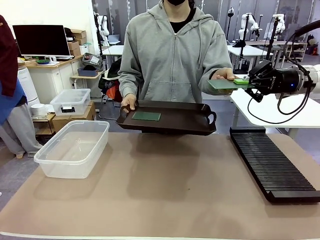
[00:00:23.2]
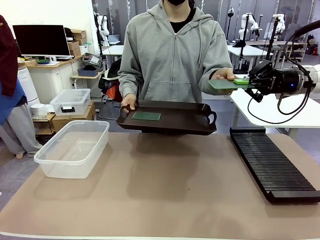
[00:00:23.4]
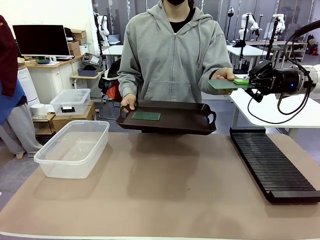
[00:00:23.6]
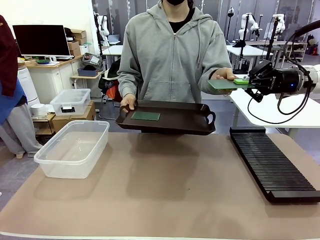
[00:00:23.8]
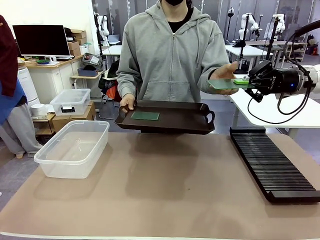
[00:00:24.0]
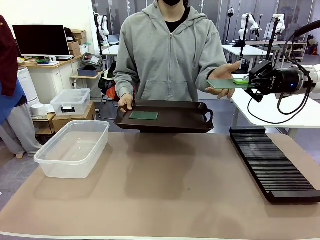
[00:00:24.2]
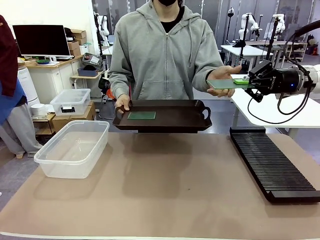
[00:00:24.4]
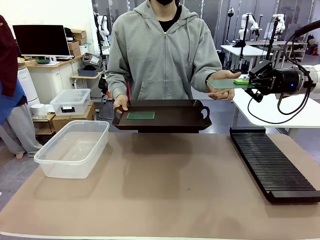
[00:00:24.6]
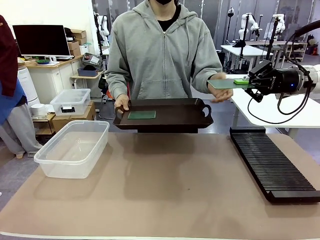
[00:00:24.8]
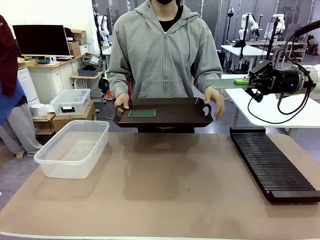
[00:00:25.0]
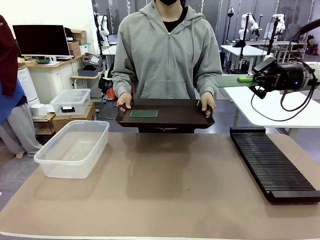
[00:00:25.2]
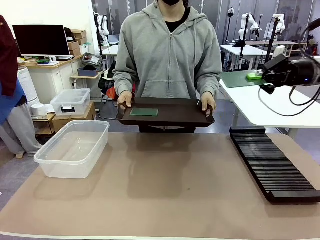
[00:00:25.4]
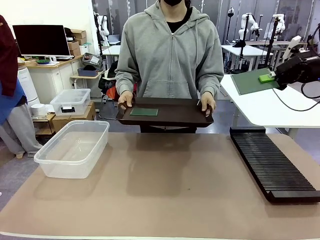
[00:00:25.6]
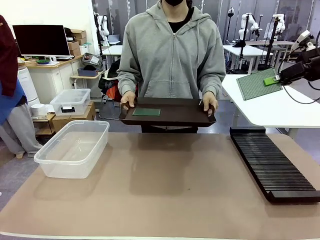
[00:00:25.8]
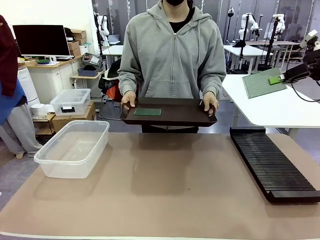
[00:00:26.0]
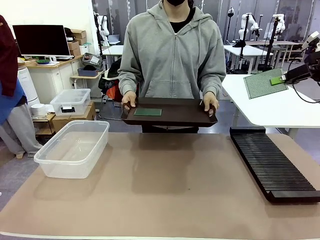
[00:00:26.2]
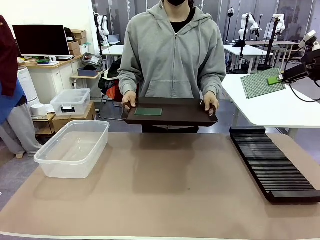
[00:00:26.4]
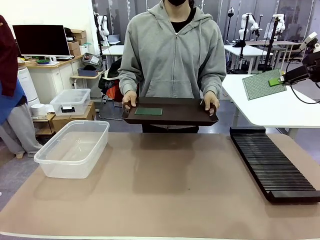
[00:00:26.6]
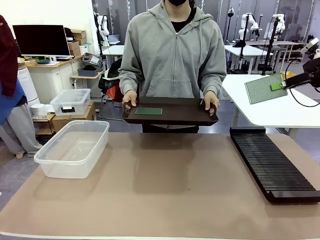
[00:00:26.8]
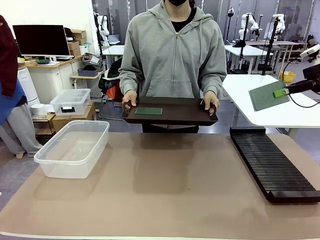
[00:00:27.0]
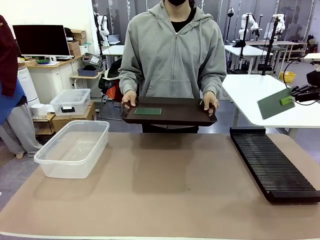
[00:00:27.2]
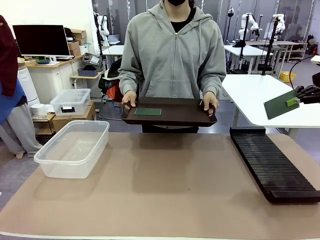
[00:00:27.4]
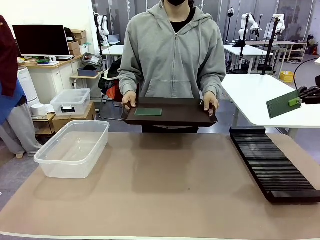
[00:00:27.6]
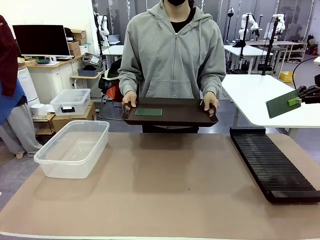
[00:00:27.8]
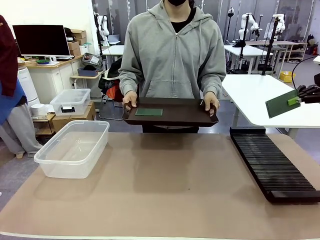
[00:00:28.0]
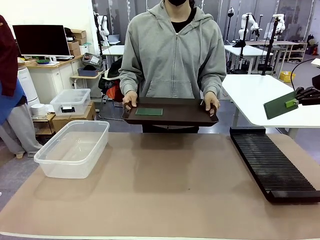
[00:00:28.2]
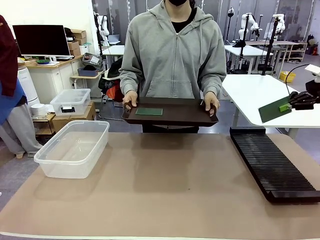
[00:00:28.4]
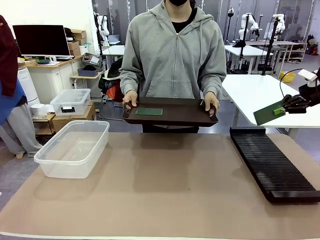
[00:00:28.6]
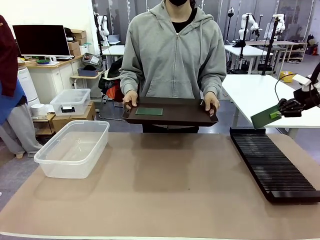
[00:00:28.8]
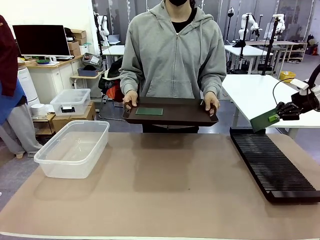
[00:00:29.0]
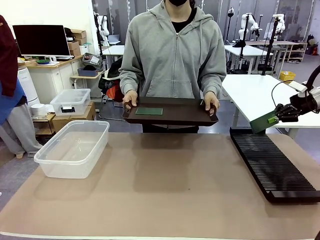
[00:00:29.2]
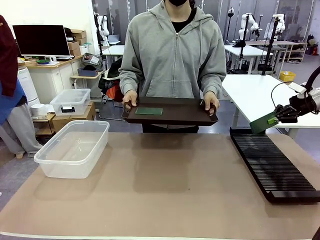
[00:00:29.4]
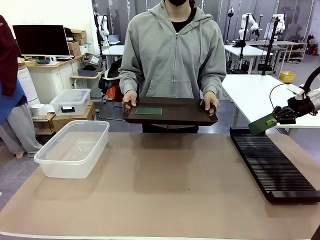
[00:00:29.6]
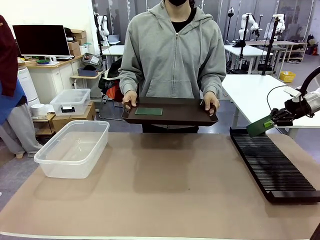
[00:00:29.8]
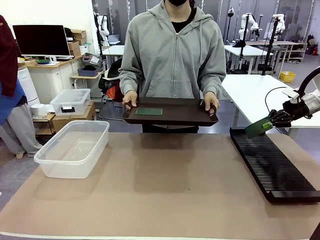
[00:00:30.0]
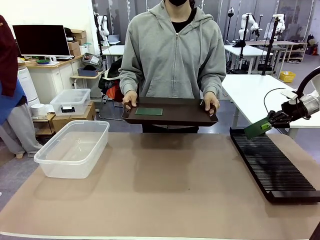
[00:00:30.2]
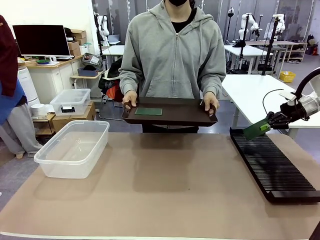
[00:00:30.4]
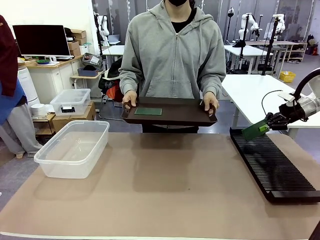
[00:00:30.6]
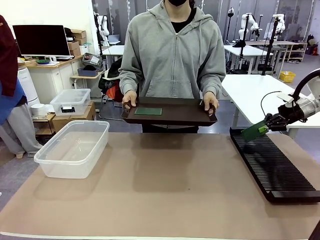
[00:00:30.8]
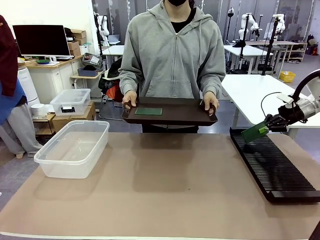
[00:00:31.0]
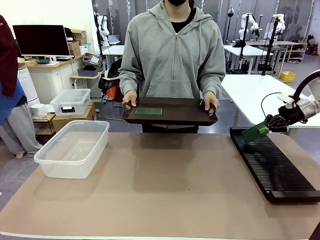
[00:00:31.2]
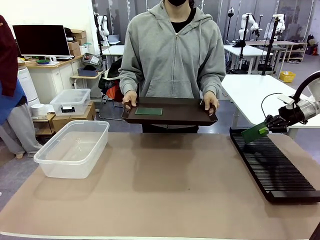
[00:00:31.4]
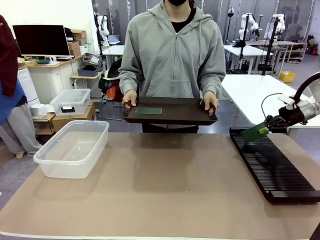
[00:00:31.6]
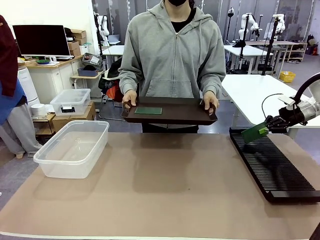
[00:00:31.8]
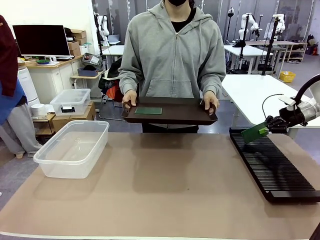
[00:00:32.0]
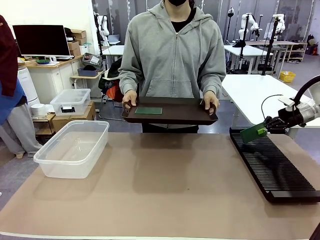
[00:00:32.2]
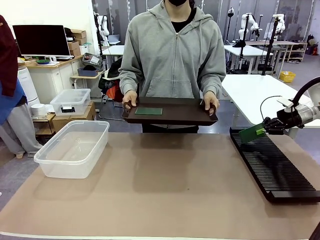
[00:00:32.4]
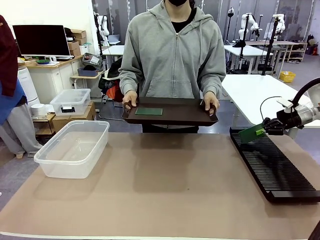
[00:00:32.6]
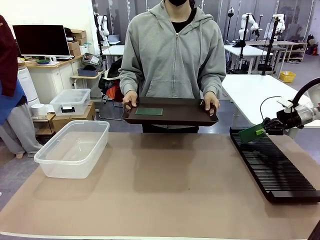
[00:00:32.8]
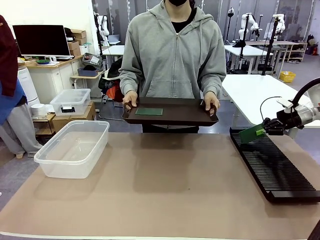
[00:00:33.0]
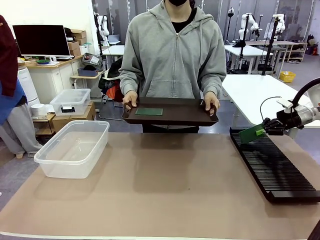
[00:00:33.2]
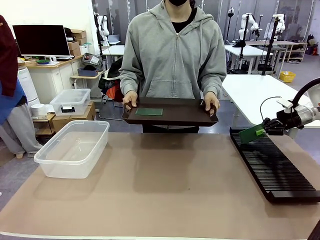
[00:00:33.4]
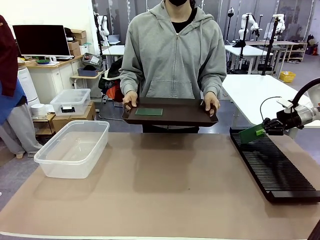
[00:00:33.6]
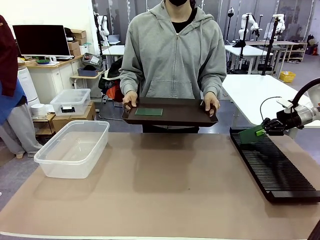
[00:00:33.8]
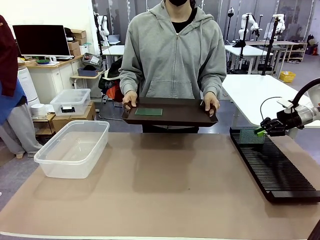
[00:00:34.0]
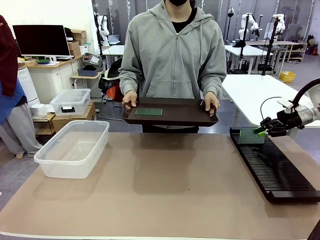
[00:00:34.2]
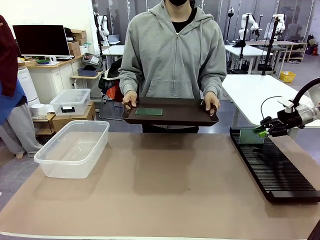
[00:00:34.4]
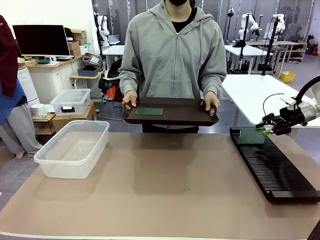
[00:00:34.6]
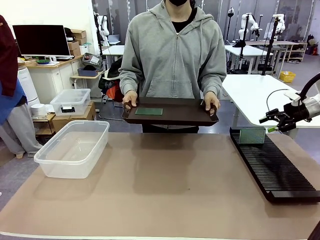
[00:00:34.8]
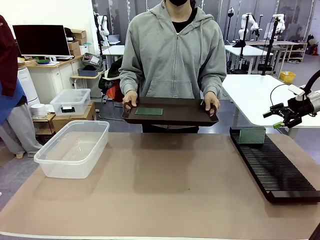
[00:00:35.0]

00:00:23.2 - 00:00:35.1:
Task: Sort PCBs into racks and boxes based on the side picked up.
Robot: If the short side of the Blank PCB is picked up, insert it into the PCB Rack ; if the long side is picked up, place it in the Organizing box.
Person: Pick one PCB from the tray and present it to the robot.

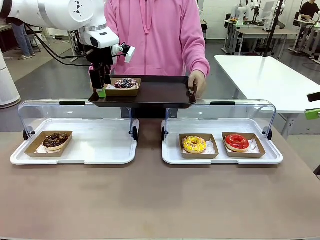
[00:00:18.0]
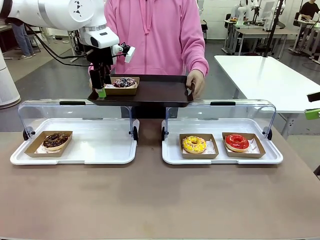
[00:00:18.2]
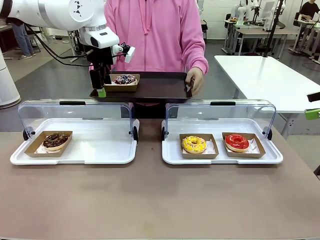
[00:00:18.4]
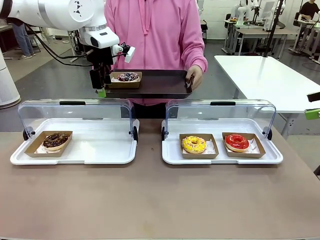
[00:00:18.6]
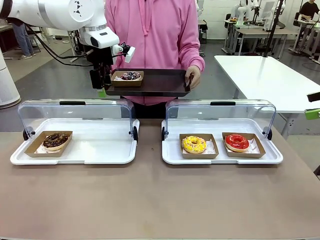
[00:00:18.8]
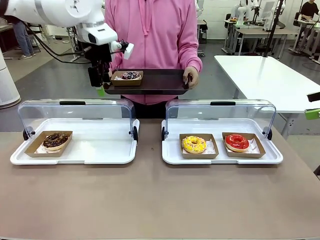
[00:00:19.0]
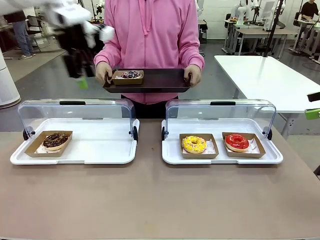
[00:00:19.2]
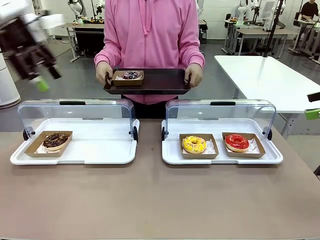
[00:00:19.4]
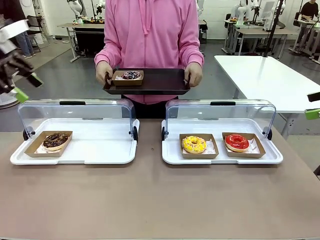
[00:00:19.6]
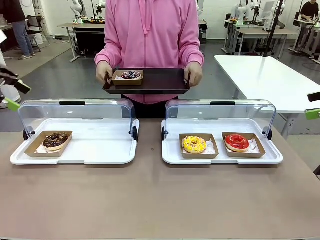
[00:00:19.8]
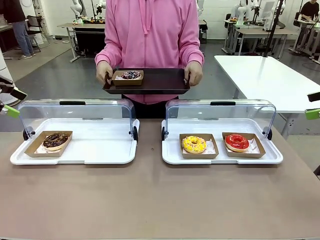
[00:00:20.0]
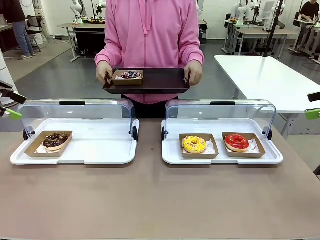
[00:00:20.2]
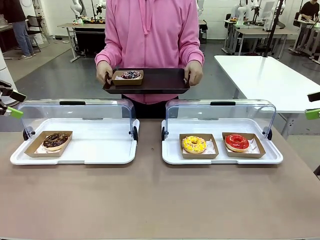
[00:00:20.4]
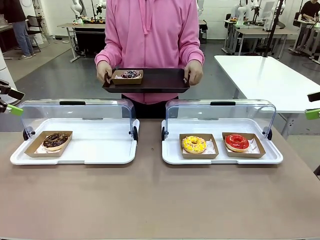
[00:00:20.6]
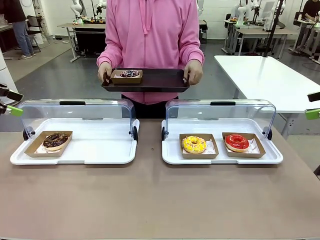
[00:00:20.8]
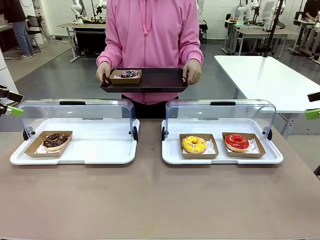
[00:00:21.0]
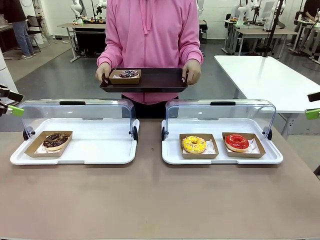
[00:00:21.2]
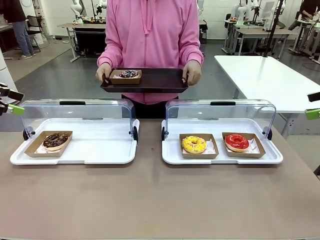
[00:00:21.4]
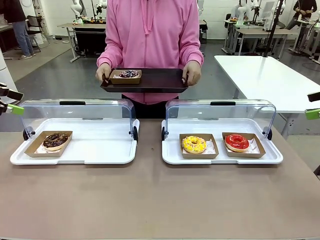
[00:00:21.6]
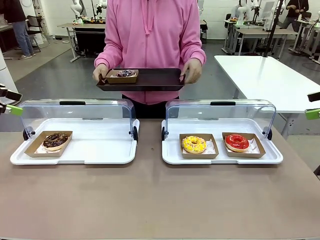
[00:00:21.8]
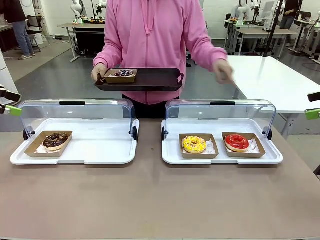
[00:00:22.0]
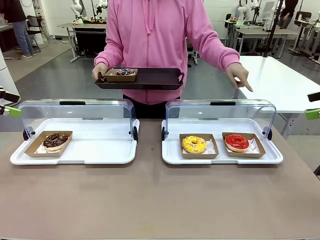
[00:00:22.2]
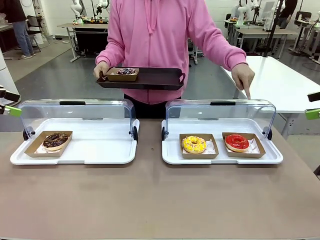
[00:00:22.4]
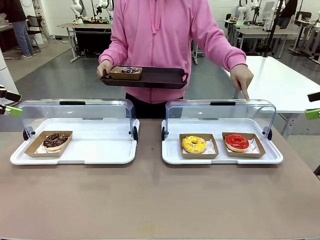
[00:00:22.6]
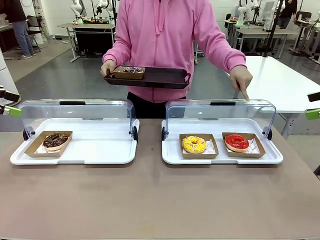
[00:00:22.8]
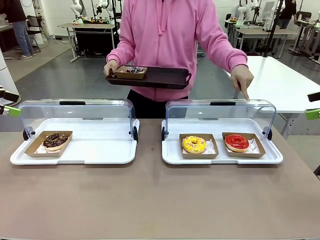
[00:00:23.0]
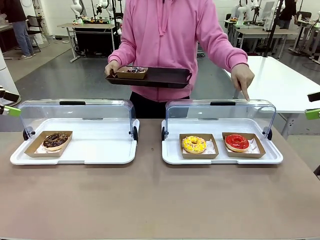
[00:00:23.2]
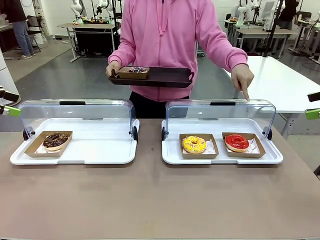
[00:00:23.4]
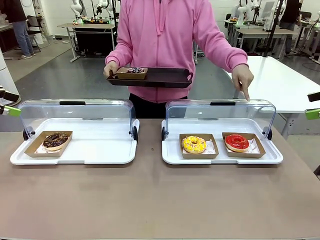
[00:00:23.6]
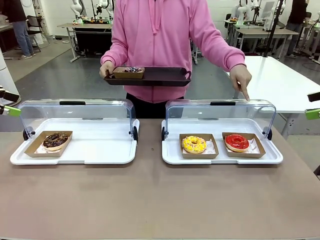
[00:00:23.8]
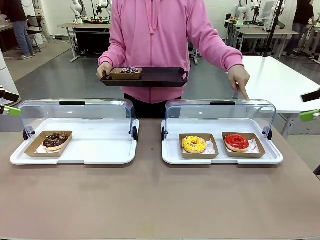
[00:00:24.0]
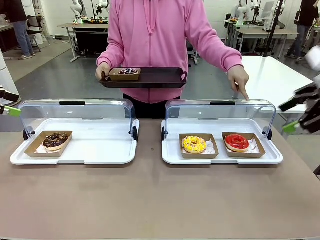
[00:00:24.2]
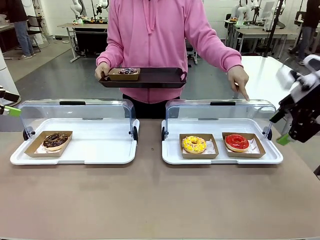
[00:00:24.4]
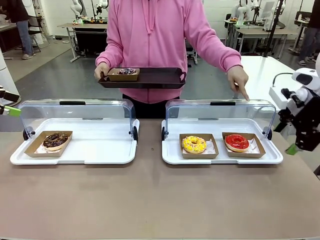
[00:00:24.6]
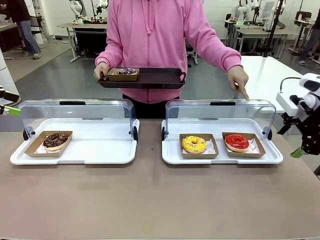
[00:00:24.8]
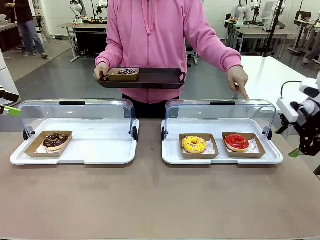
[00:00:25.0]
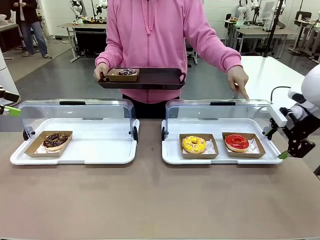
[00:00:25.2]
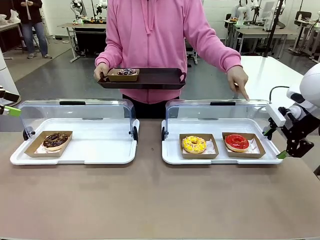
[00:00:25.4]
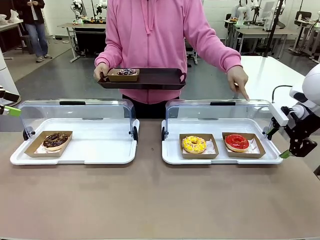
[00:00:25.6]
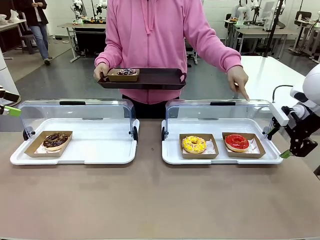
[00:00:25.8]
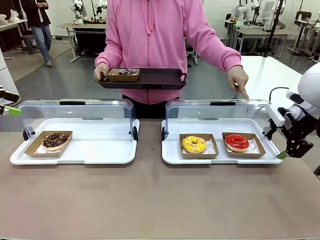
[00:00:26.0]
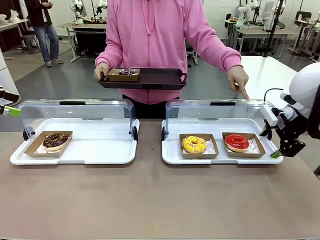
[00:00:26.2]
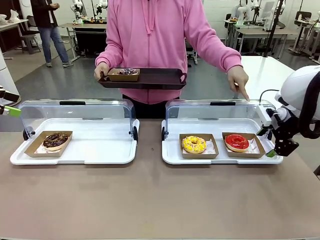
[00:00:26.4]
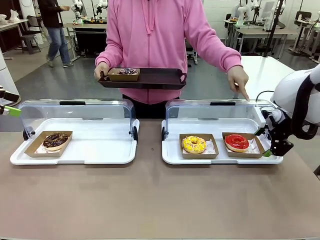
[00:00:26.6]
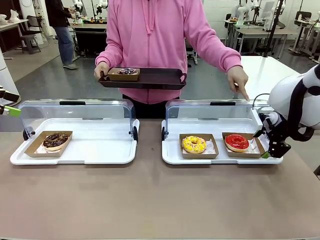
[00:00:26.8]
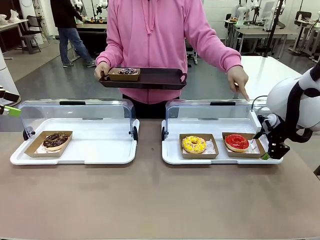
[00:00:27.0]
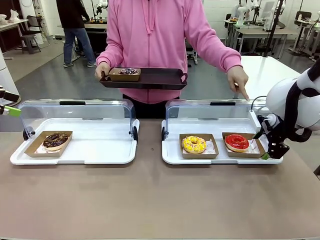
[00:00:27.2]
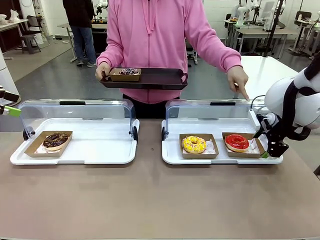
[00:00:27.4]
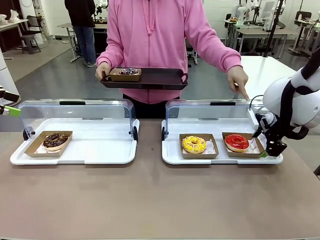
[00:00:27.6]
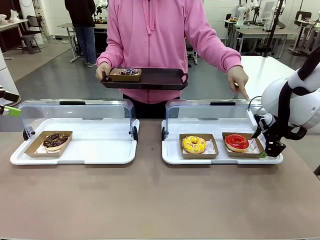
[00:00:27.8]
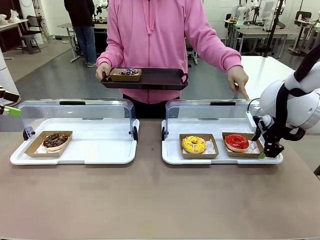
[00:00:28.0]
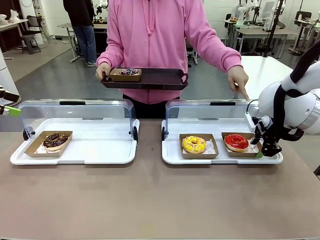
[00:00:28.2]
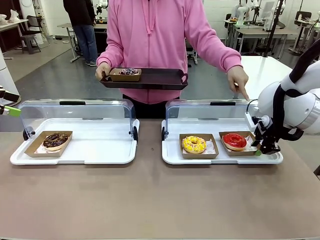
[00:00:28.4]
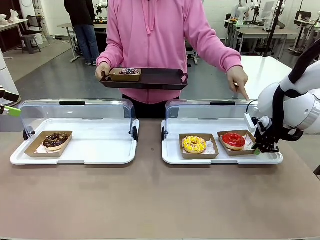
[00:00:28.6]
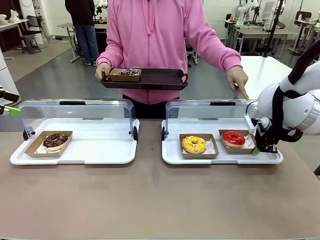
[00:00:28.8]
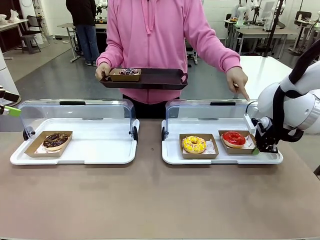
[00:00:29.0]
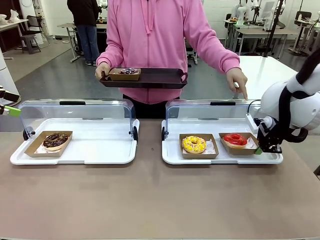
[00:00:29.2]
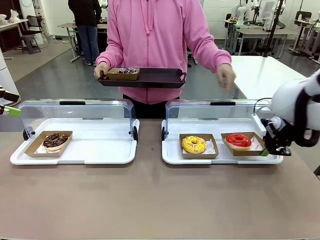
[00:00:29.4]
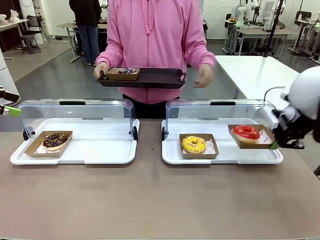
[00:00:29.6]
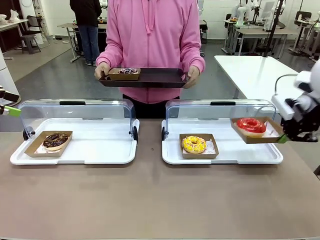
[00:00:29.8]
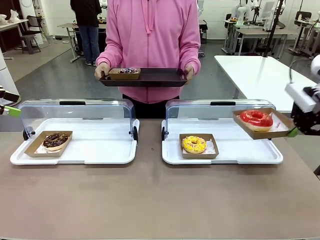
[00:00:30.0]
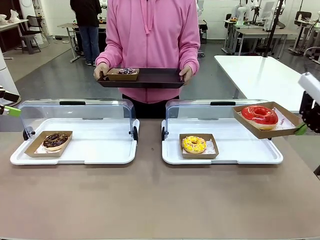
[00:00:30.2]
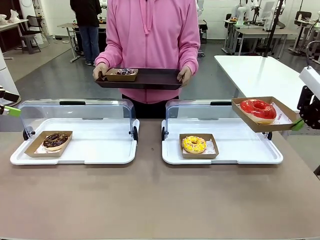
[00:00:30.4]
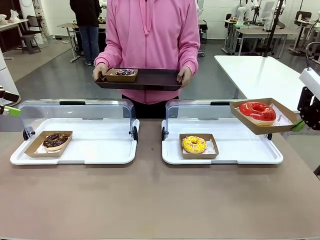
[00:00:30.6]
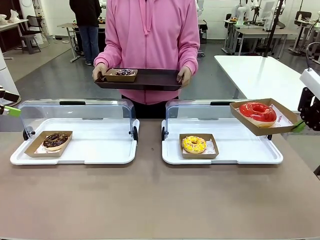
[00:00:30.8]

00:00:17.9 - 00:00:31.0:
Task: Provide the desired donut to the person.
Robot: Pick up and lift the Paper togo box containing the Donut pointed at by the person.
Person: Point to one donut. Lift the tray onto the Roll-Top Bakery Case.
